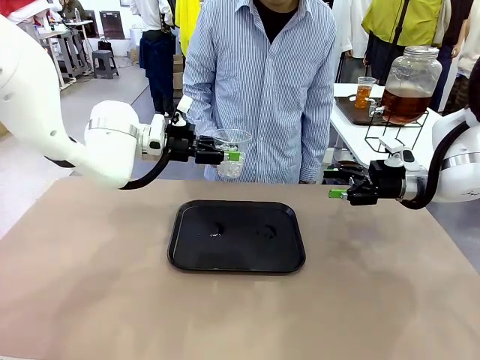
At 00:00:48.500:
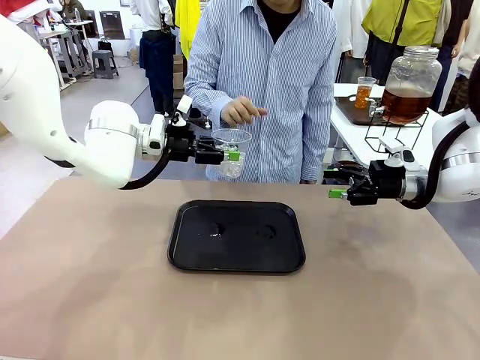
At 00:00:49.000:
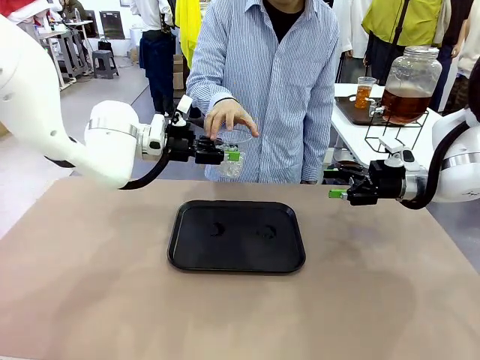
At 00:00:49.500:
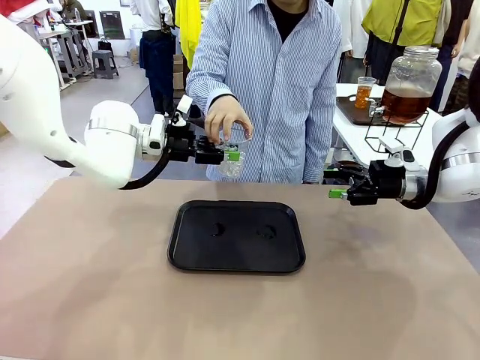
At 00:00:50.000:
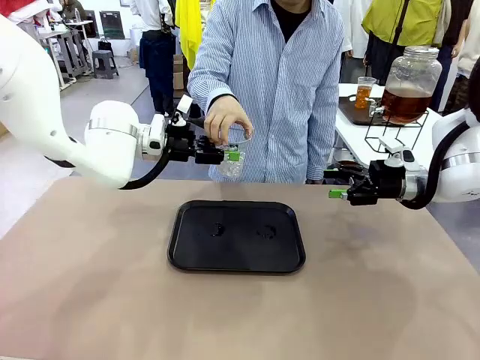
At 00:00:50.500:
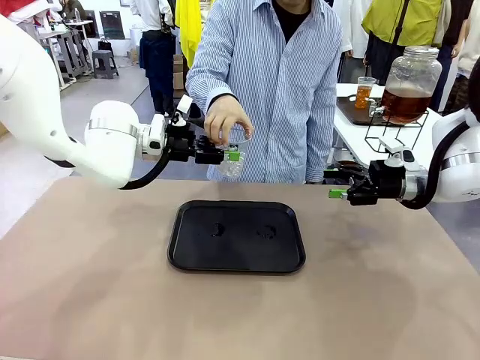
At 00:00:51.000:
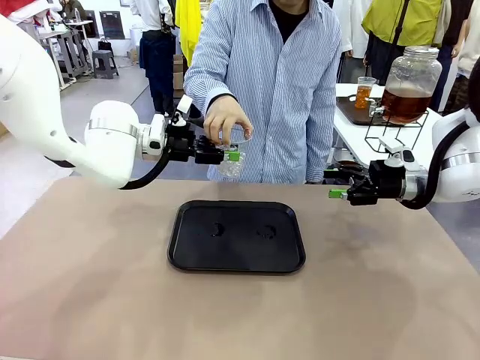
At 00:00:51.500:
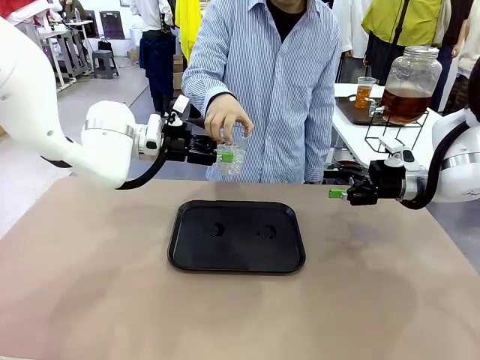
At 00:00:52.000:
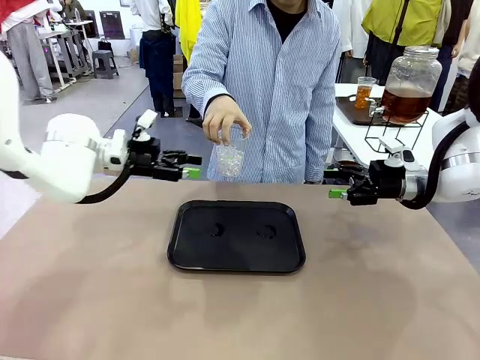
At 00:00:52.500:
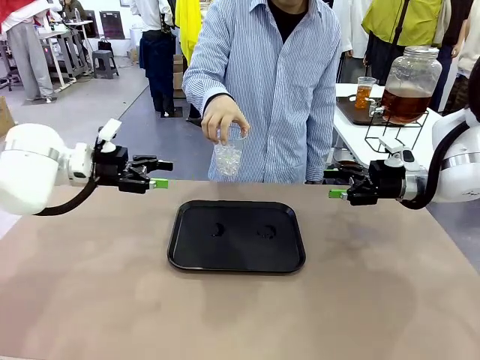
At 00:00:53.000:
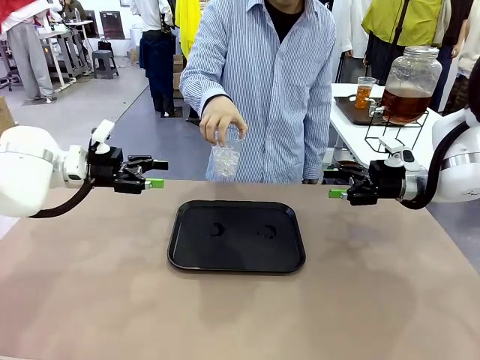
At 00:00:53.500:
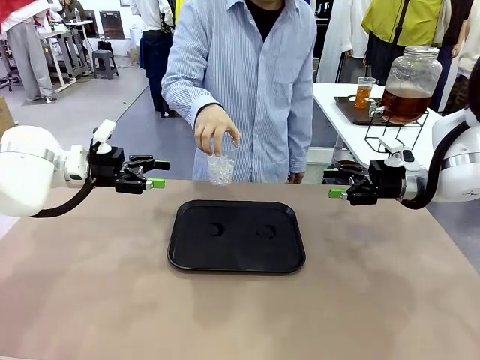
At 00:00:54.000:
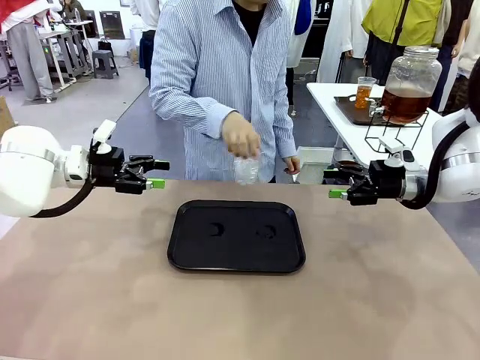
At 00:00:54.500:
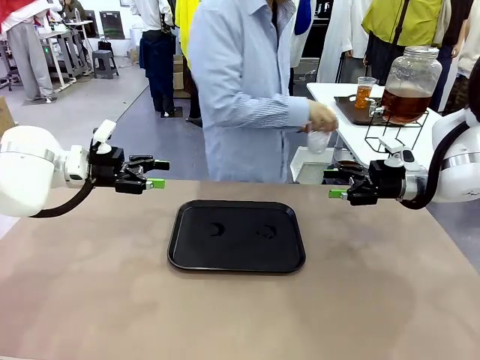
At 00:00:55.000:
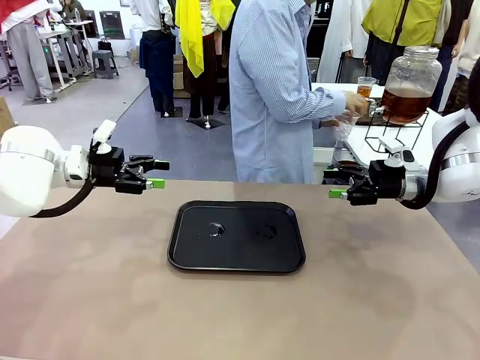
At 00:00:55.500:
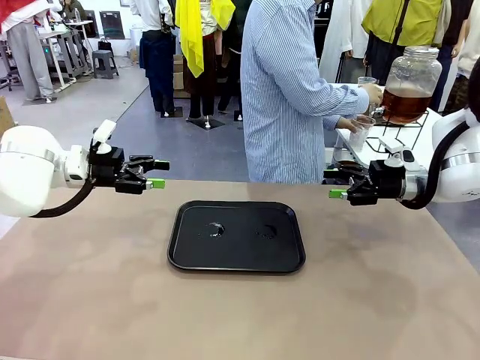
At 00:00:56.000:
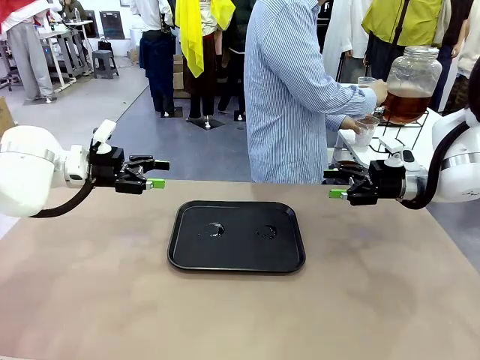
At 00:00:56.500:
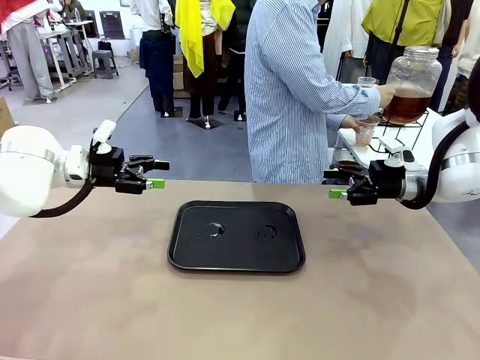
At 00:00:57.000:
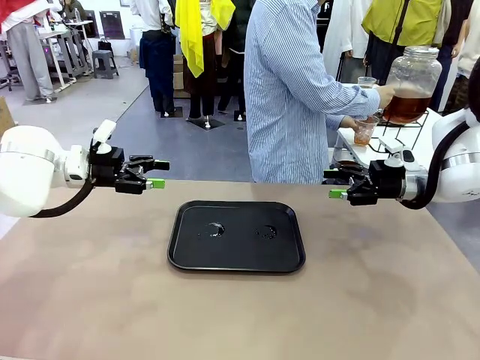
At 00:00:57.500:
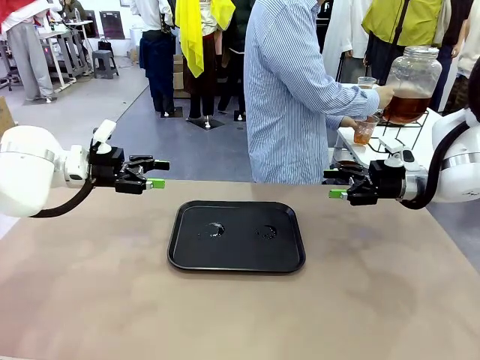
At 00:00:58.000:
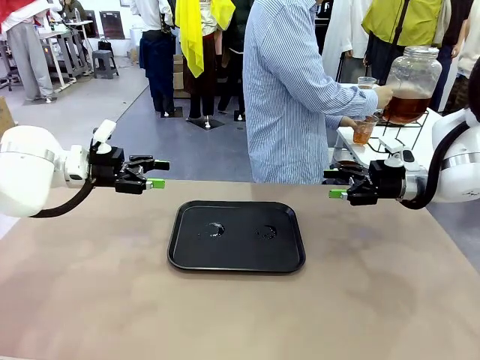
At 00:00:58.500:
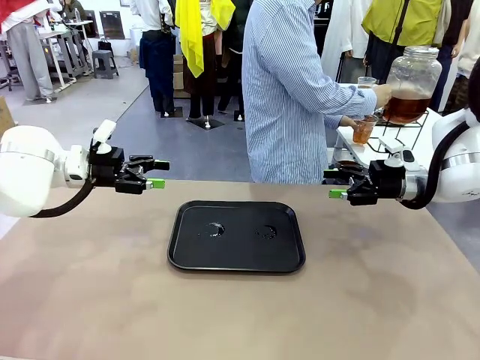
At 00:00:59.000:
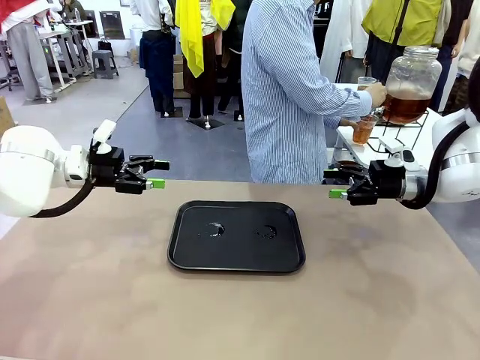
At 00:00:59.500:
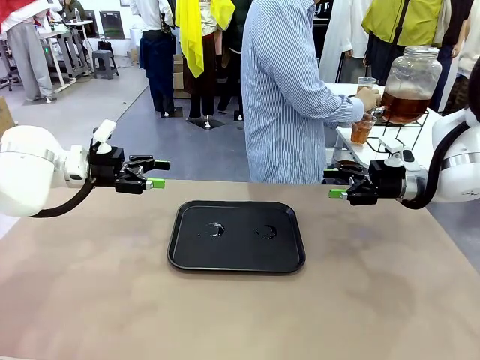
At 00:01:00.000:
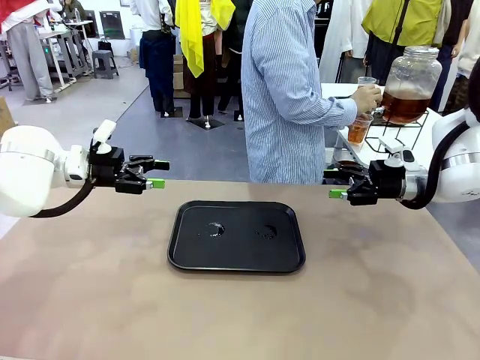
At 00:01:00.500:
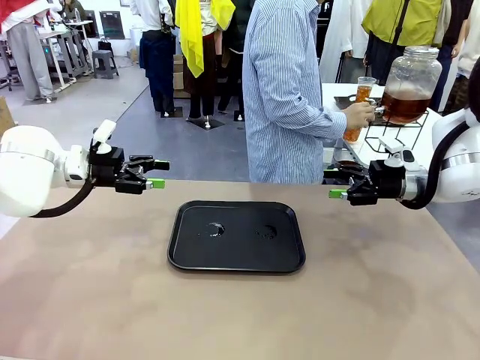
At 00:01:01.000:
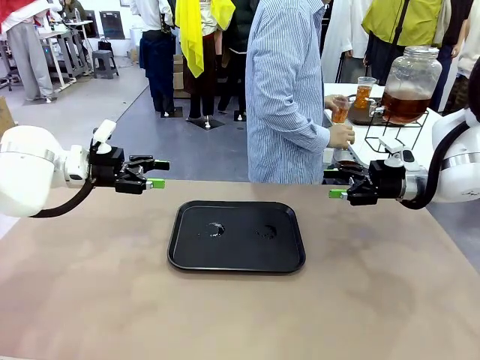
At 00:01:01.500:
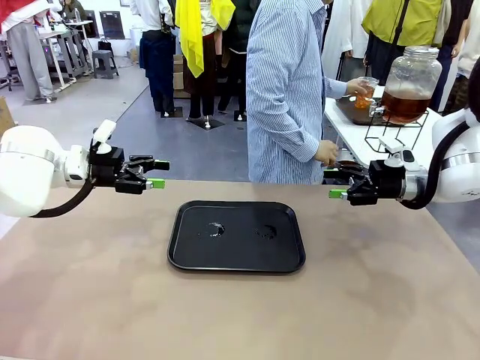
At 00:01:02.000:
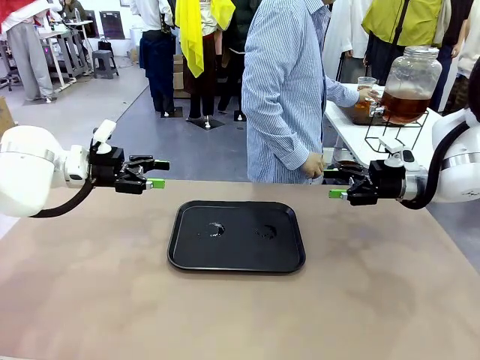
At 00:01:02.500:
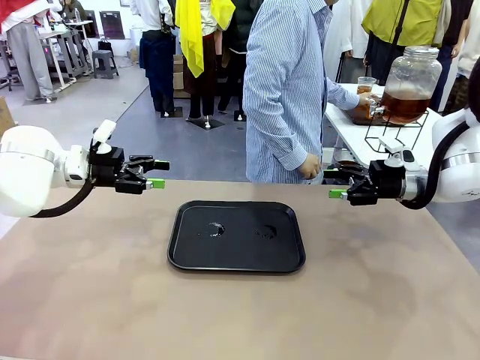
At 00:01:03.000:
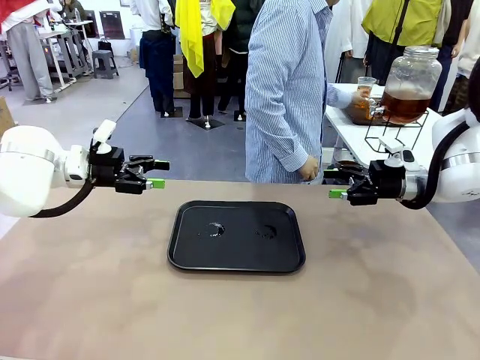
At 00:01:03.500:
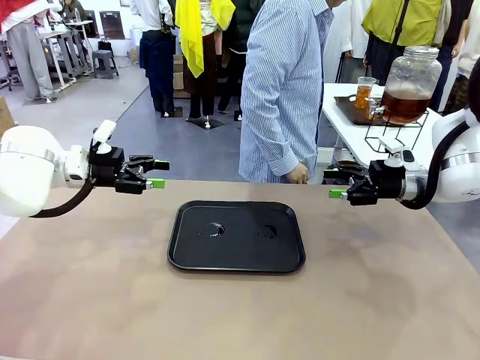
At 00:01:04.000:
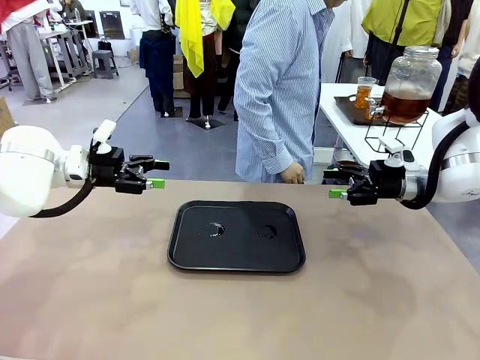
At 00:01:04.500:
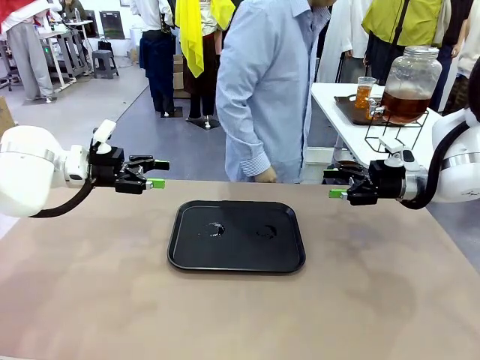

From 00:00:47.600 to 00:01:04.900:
Task: Pour the drink into the iced cup.
Robot: Open the gripper to release the iced cup you were holding.
Person: Move the picked-up cup under the dispenser faucet, pour the drink, and place it on the tray on the human table.

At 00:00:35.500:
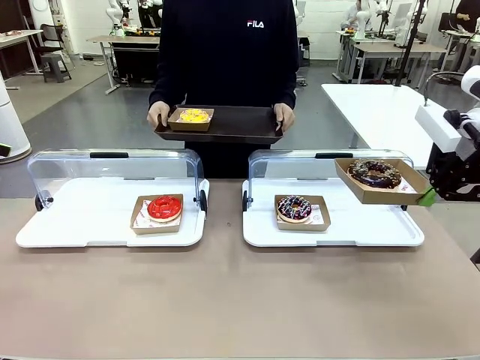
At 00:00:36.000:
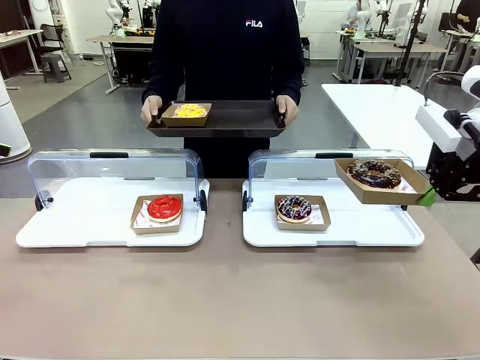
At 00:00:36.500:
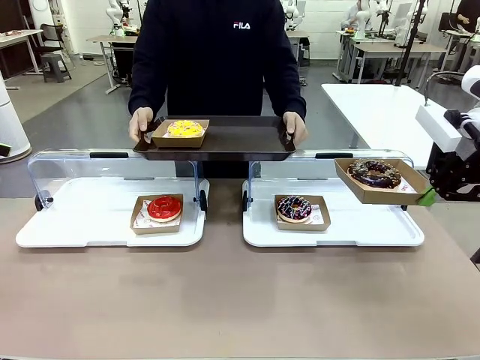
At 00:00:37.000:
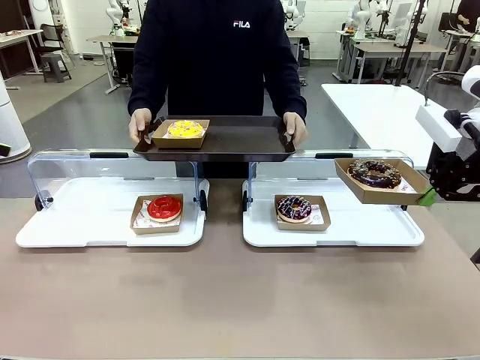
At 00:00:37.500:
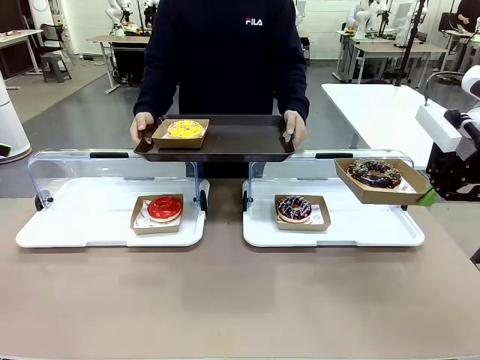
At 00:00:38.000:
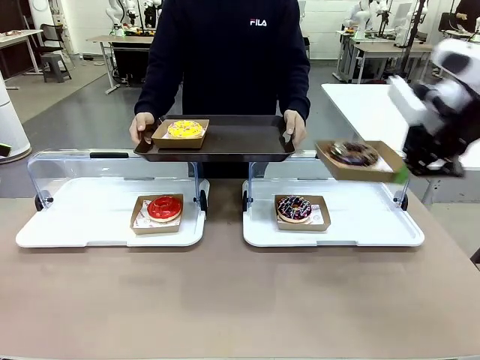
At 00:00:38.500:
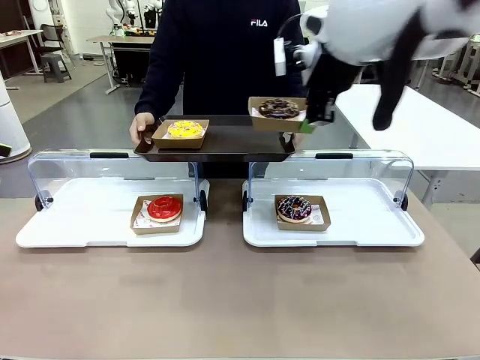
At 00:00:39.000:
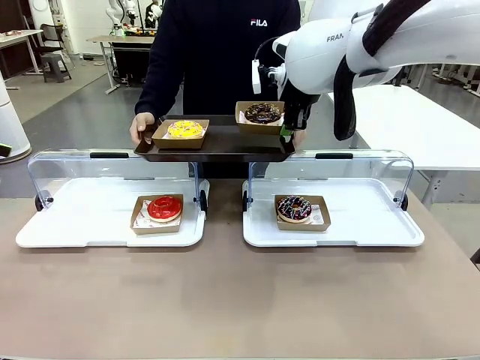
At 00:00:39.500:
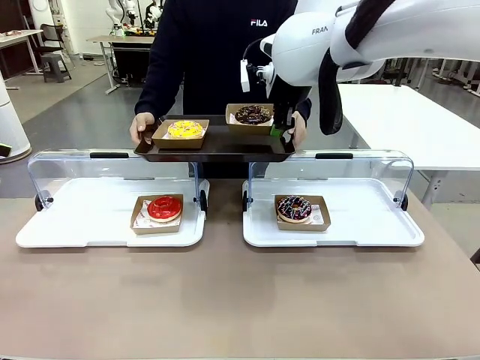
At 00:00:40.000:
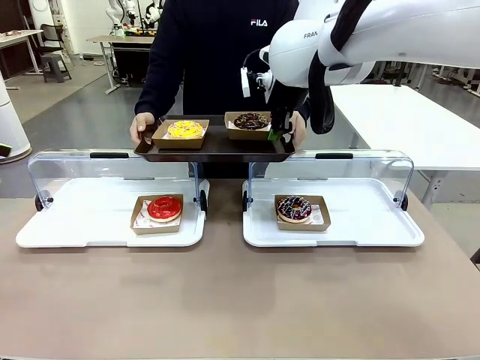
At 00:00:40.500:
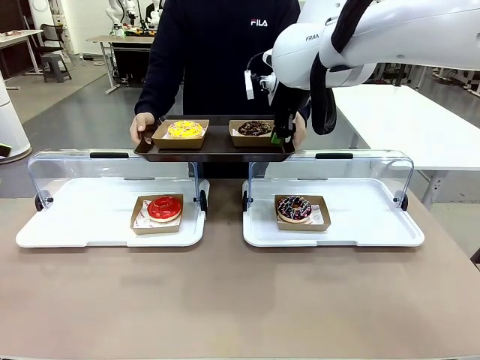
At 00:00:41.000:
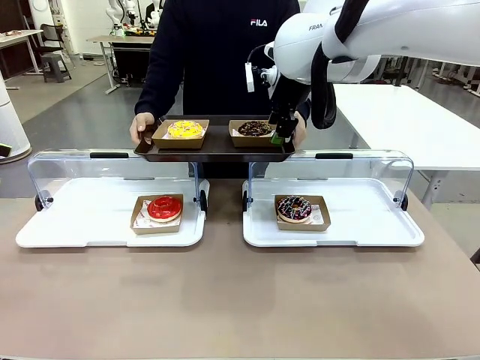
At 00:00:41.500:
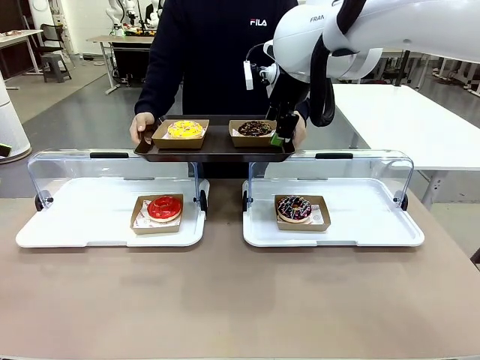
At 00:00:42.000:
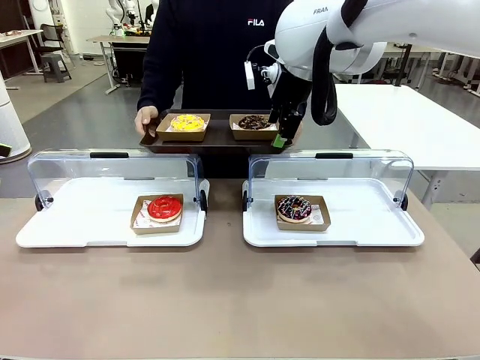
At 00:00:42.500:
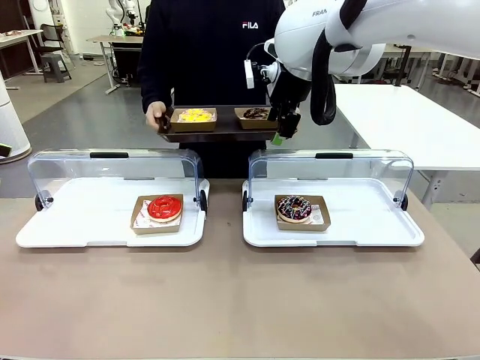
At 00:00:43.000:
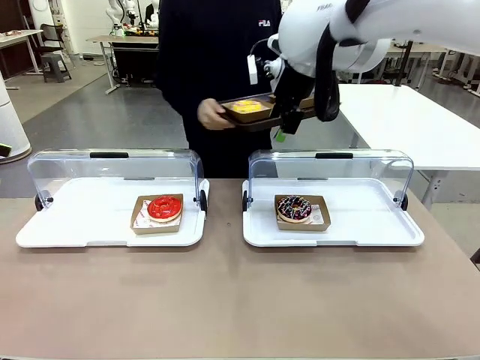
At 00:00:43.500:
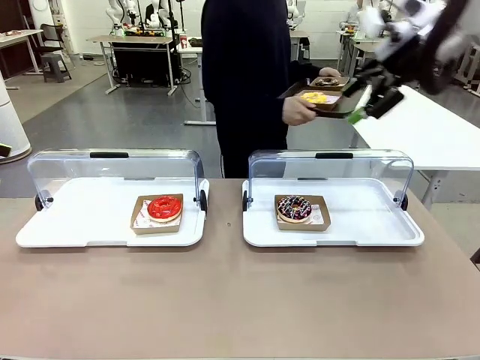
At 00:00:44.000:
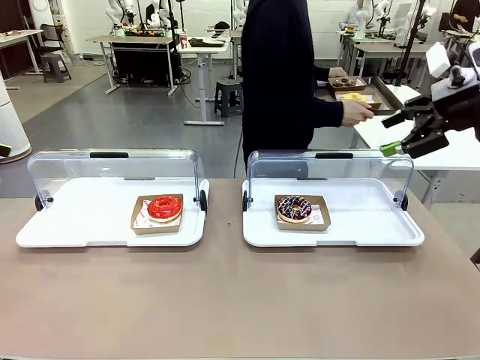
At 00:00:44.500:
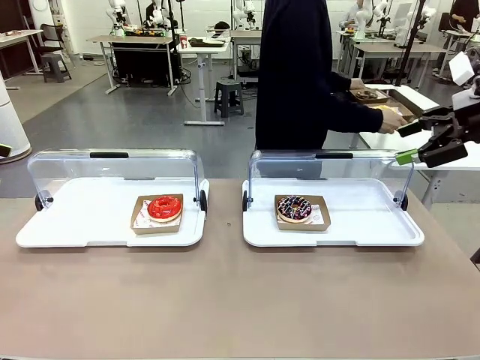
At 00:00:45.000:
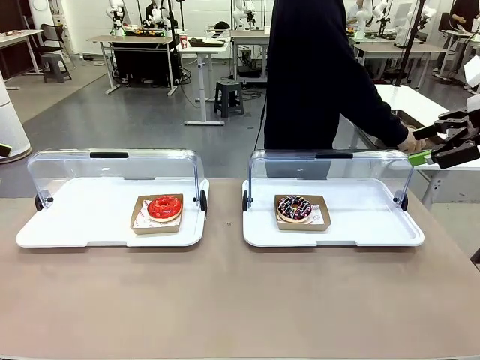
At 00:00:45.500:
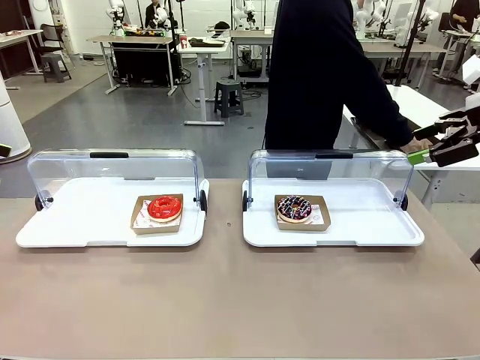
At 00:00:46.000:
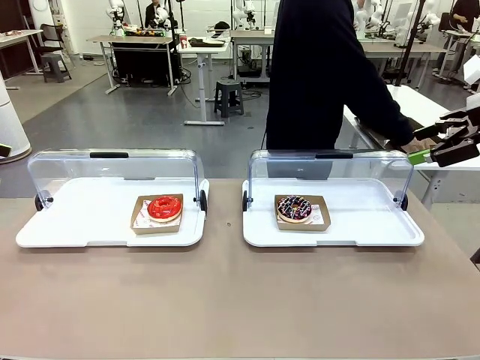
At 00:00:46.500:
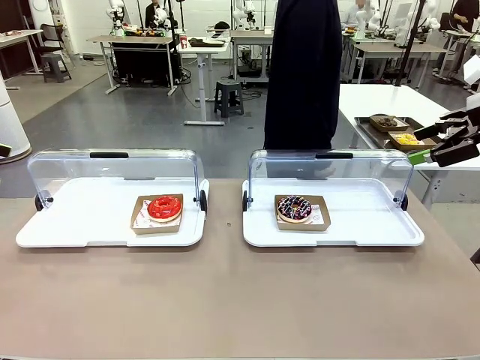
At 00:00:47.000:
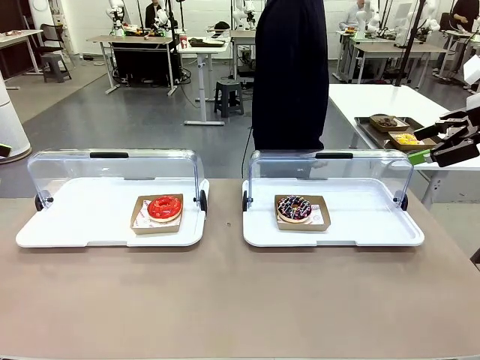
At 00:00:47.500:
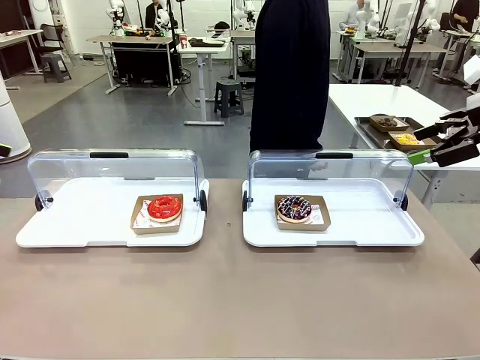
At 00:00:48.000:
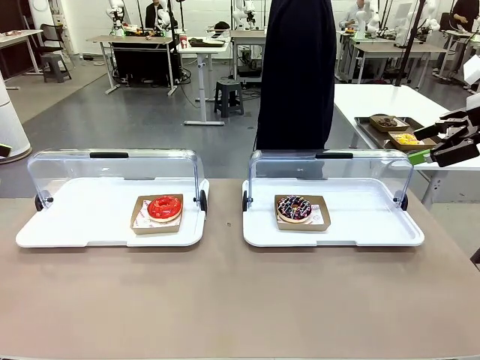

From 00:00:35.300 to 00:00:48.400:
Task: Provide the desired donut to the person.
Robot: Place the picked Paper togo box onto the Handle tray extended by the person.
Person: Place the tray in the middle of the human table.
